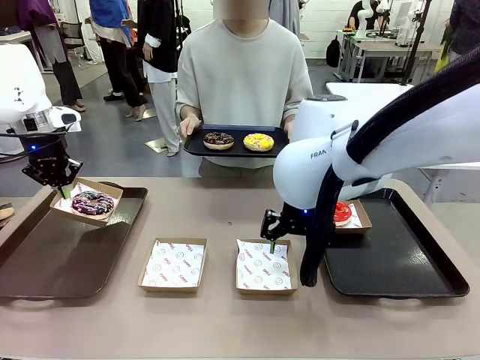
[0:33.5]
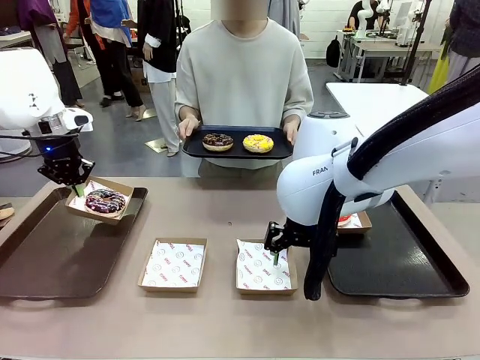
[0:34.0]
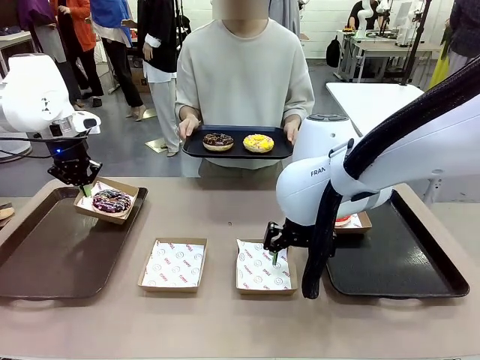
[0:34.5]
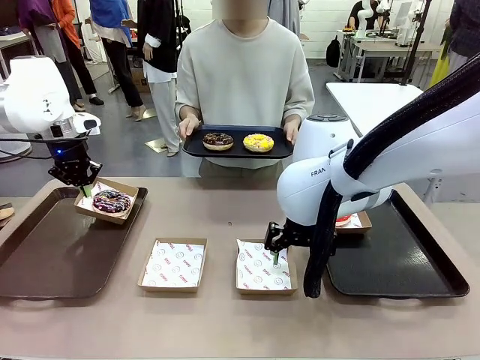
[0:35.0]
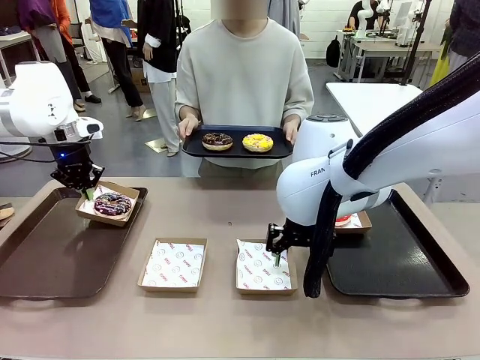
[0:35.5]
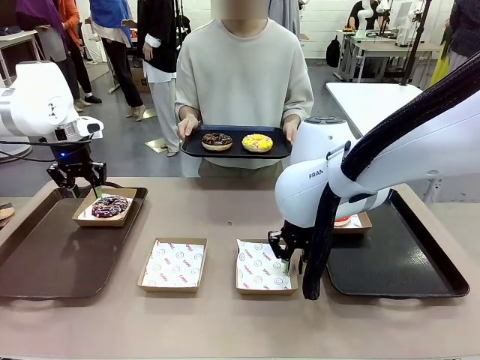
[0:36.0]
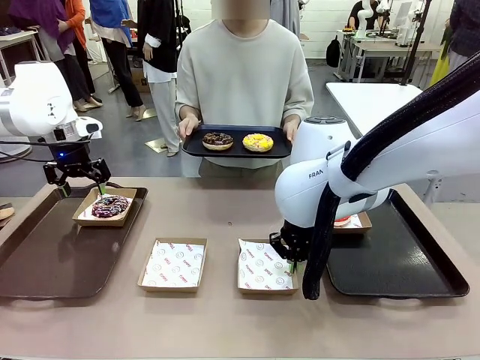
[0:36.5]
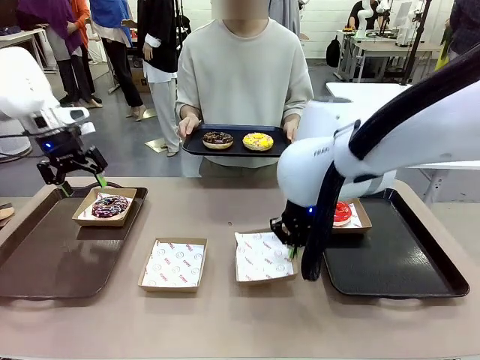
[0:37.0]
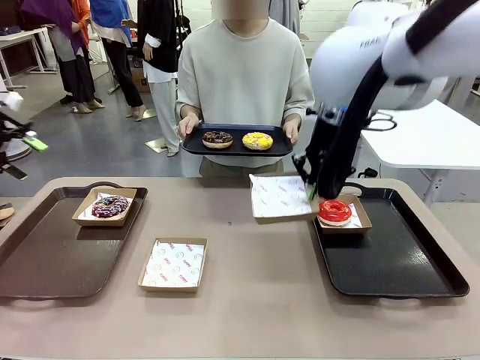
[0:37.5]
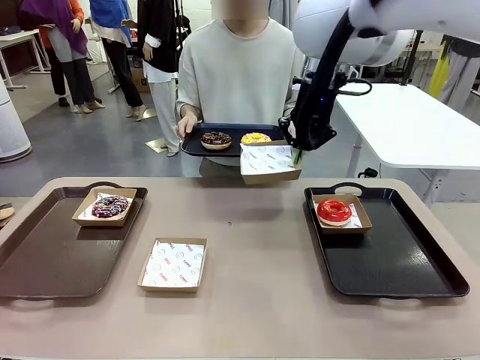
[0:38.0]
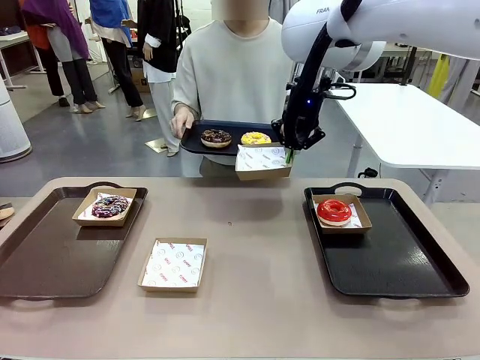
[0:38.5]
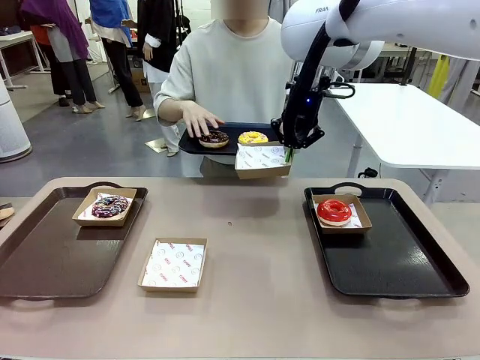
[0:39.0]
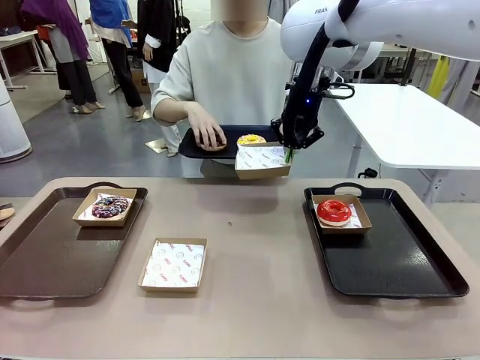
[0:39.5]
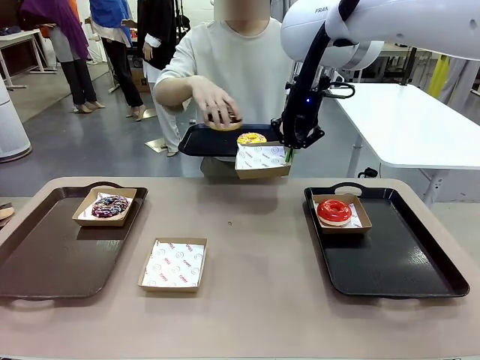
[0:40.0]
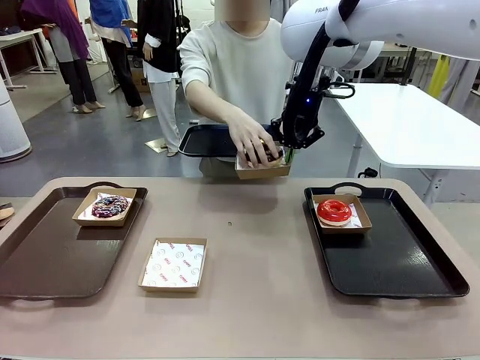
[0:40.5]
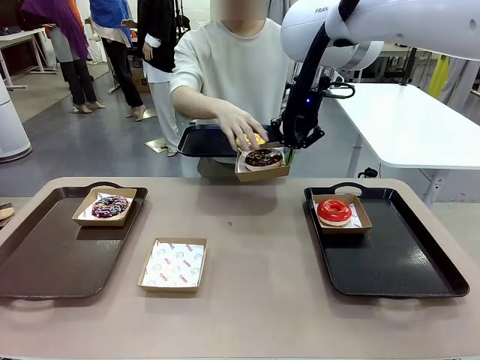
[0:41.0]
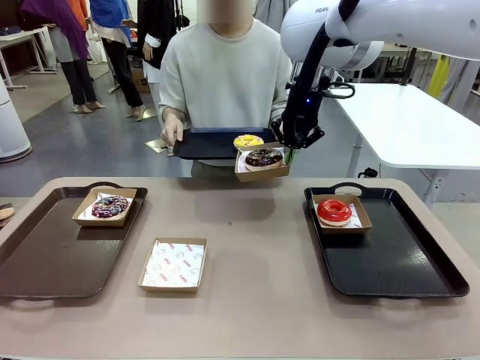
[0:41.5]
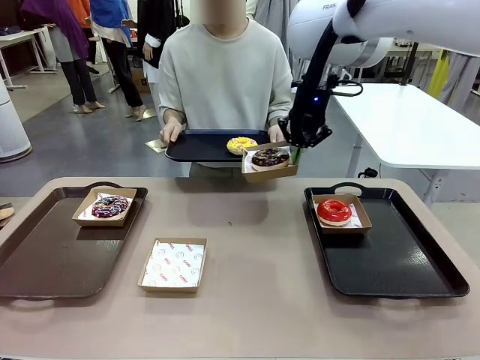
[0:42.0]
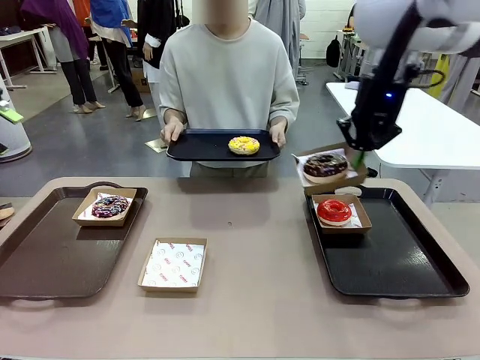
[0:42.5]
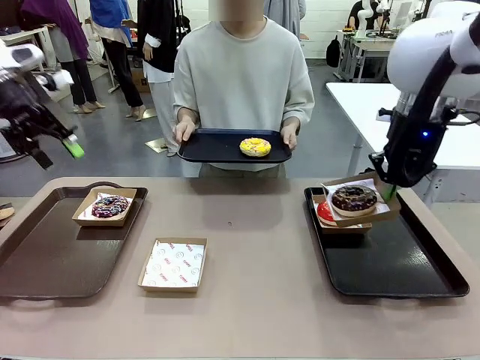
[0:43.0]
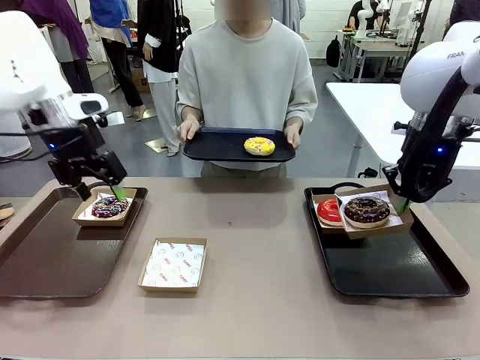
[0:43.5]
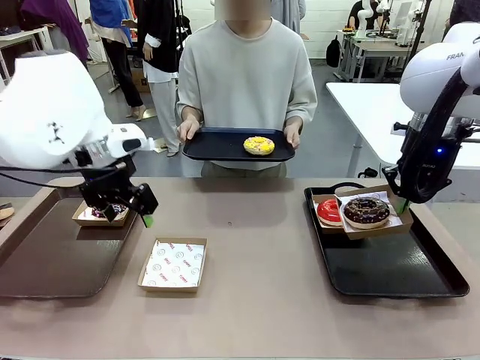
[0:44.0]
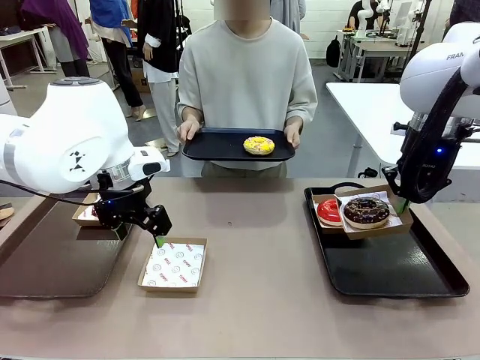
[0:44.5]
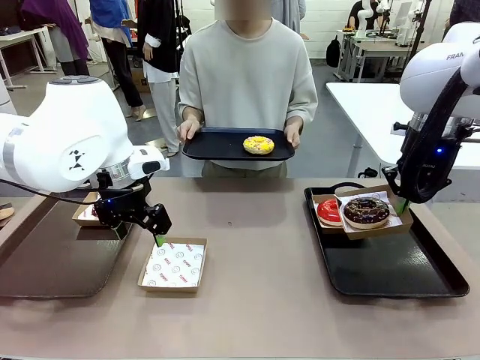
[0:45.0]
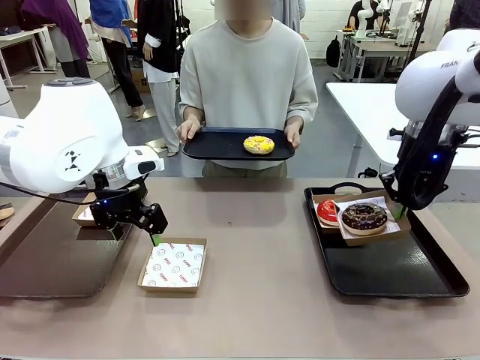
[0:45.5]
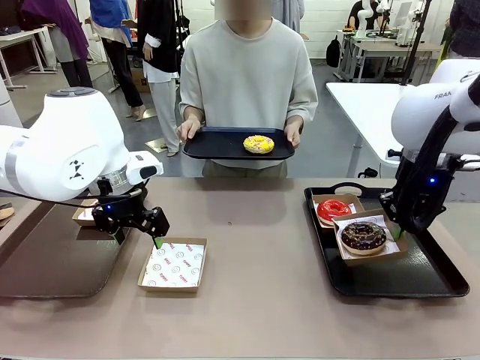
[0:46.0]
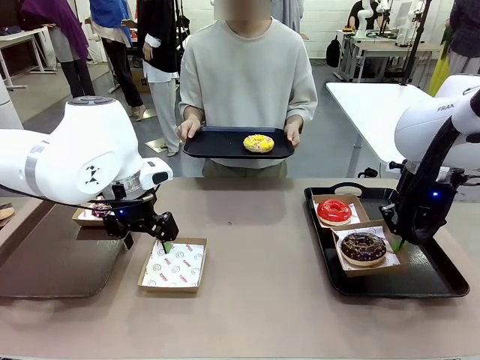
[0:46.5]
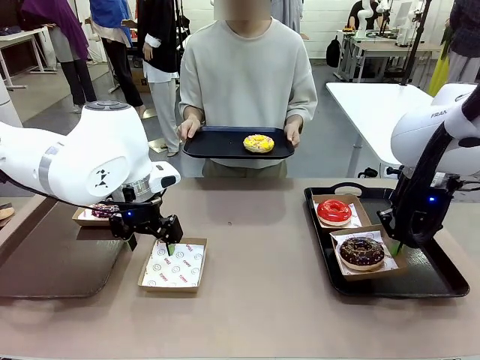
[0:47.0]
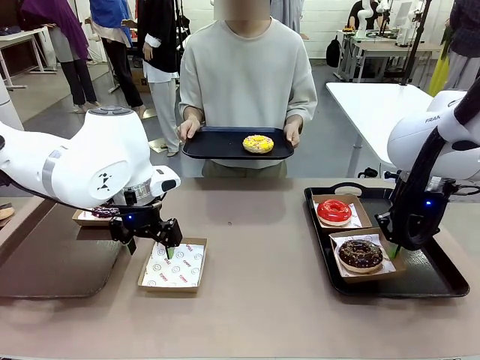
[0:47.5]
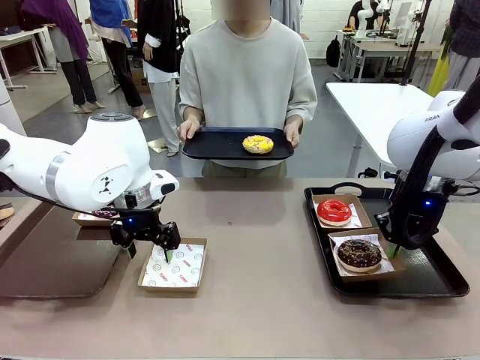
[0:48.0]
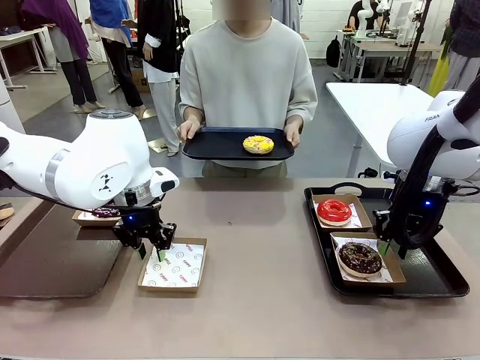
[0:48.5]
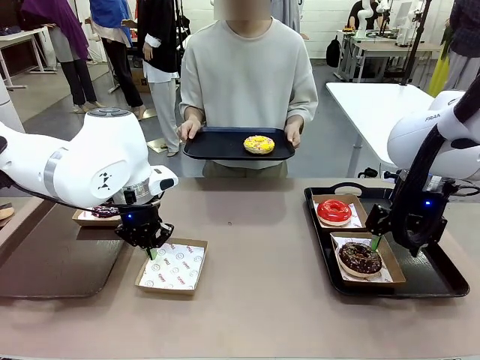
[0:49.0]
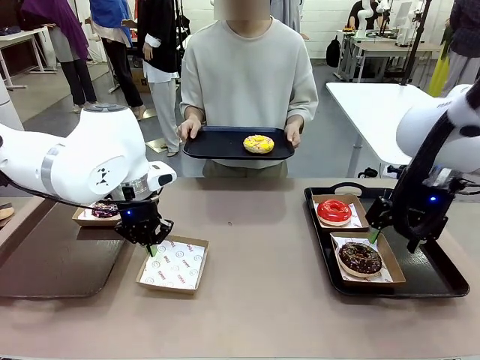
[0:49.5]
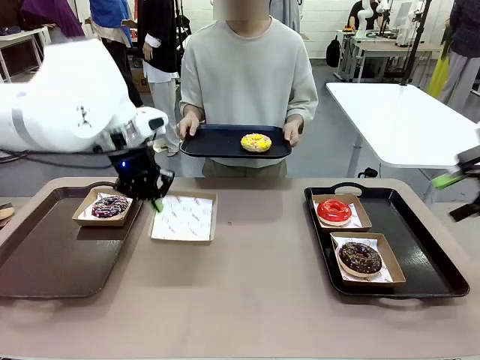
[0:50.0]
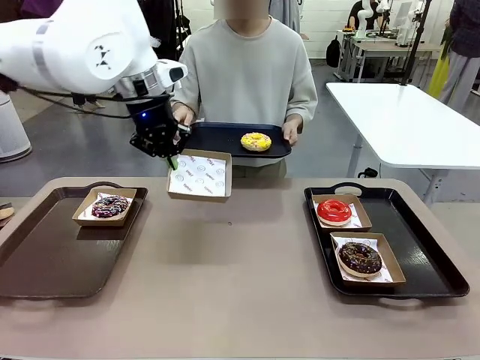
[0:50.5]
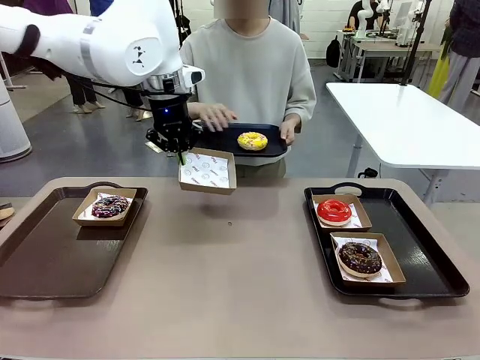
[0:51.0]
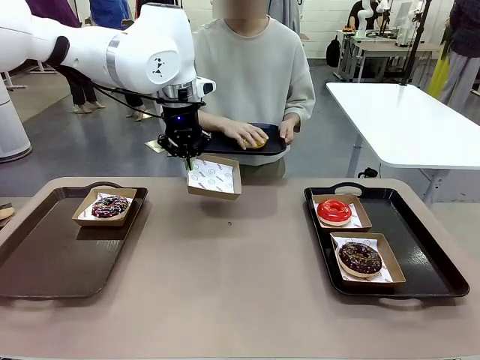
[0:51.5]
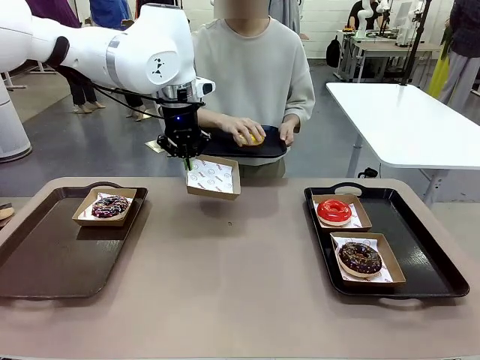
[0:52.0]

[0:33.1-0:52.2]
Task: Individually package the donuts and arrange them on the tray.
Robot: Place the picked Paper togo box on the Handle tray while simultaneously picking up another Paper togo box from the table with the other hand.

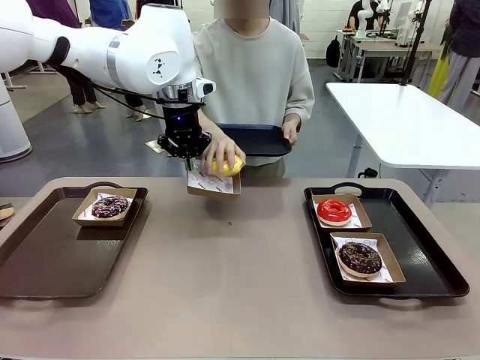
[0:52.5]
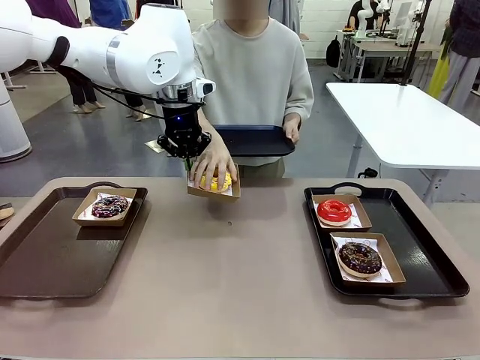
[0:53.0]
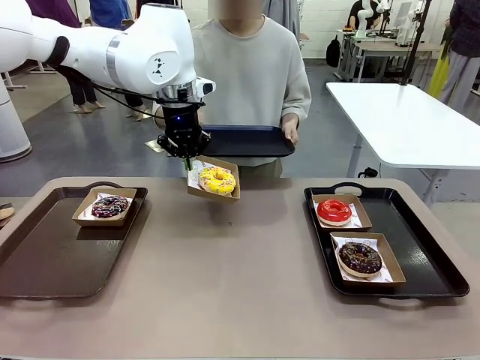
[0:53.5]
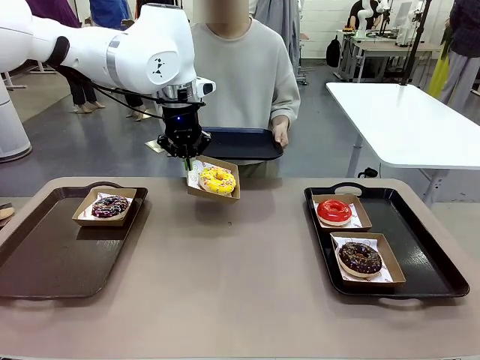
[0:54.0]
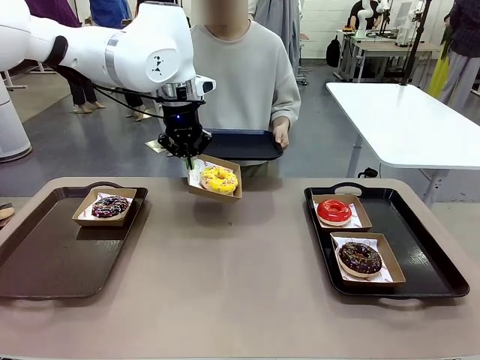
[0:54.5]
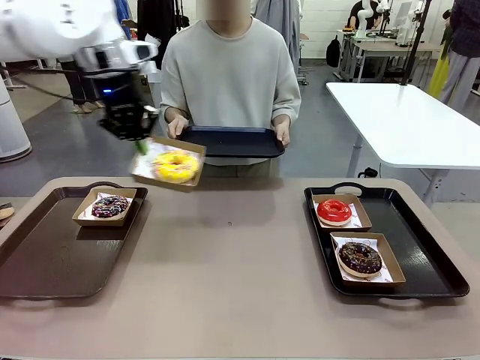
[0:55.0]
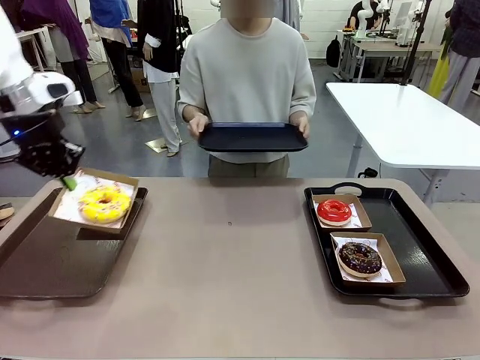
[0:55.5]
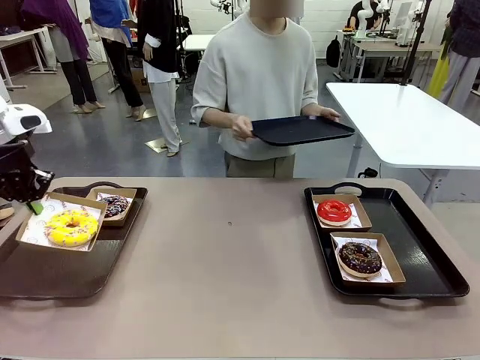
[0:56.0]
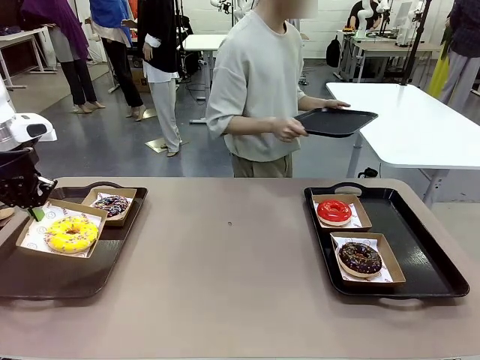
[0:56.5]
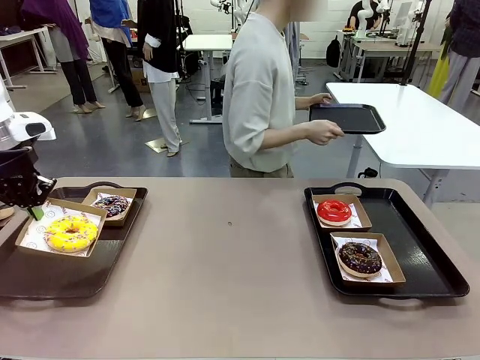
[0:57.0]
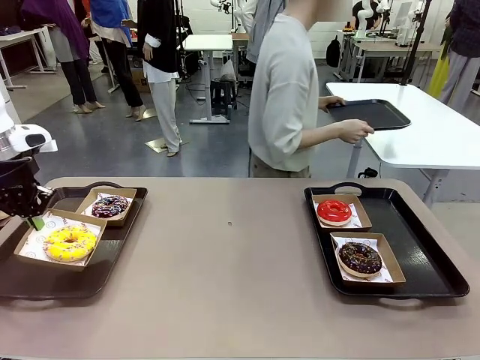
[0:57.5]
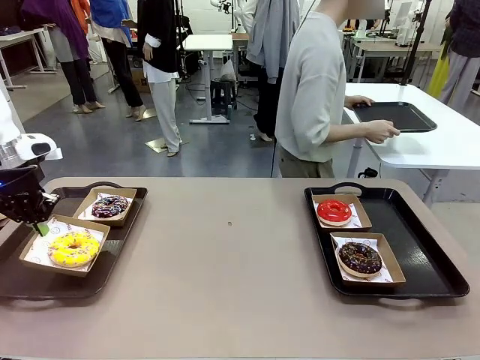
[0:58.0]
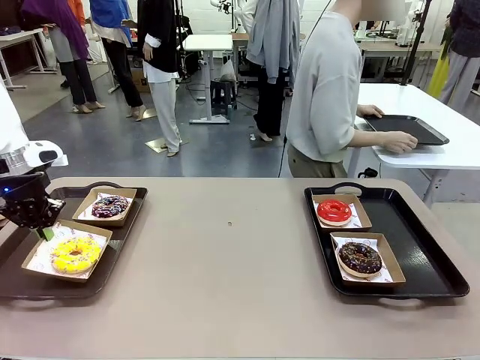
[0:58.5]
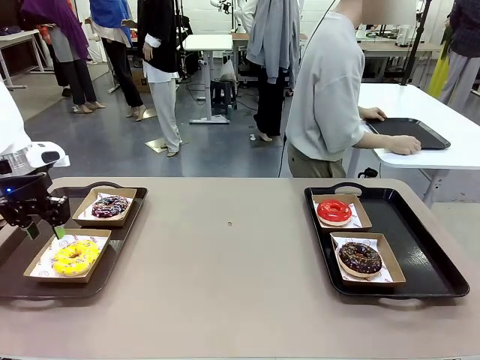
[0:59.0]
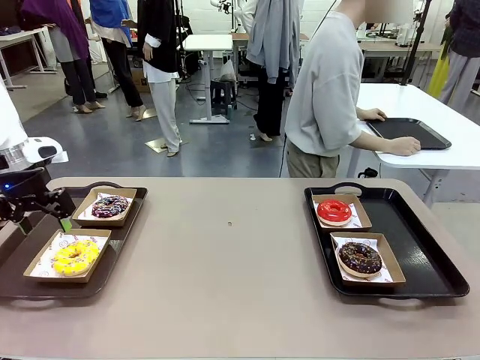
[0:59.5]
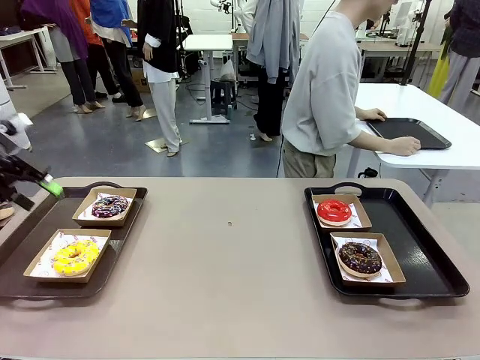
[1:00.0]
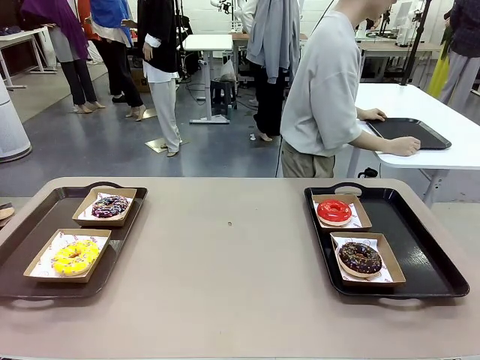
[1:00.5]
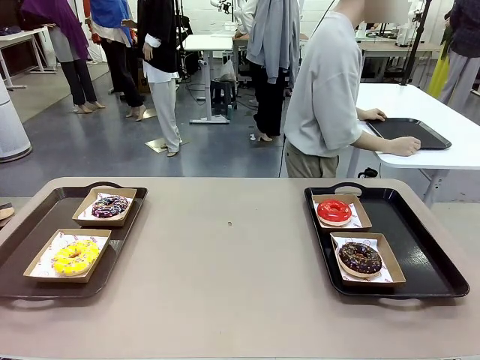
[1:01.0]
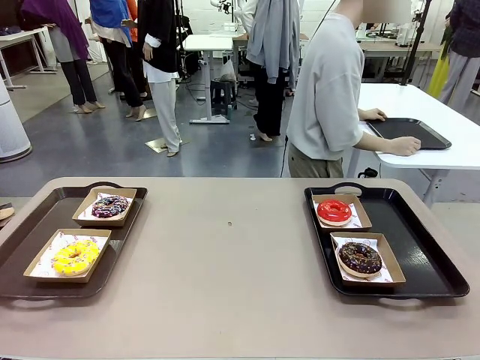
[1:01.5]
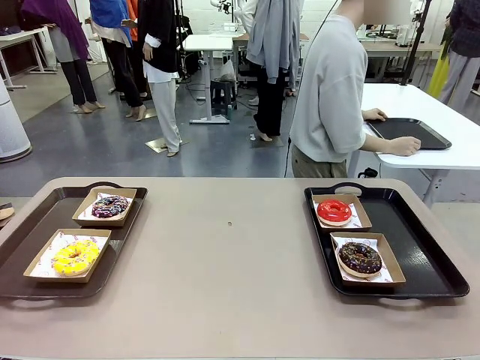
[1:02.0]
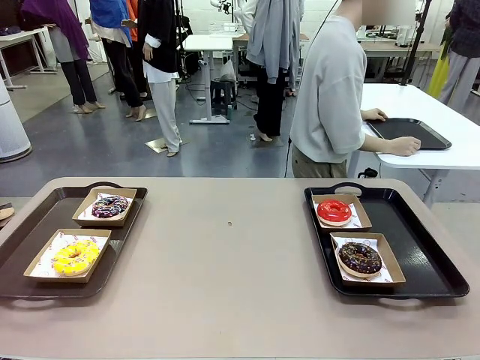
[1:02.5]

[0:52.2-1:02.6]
Robot: Place the picked Paper togo box on the Handle tray.
Person: Place the tray down in the middle of the human table.
